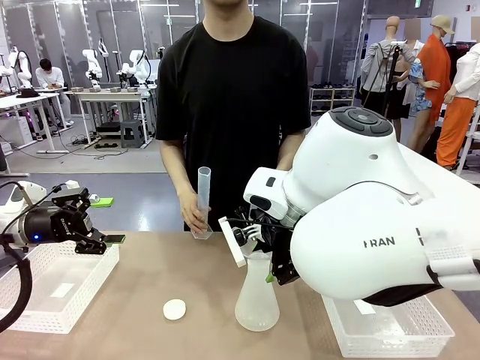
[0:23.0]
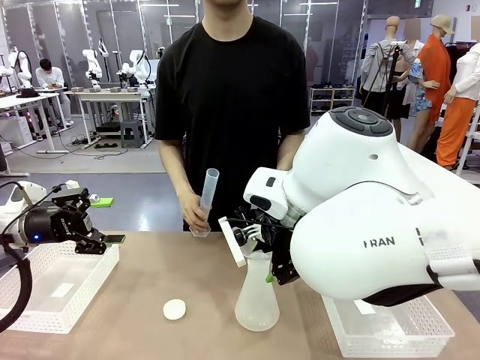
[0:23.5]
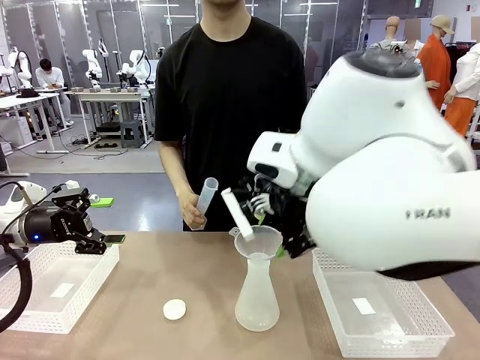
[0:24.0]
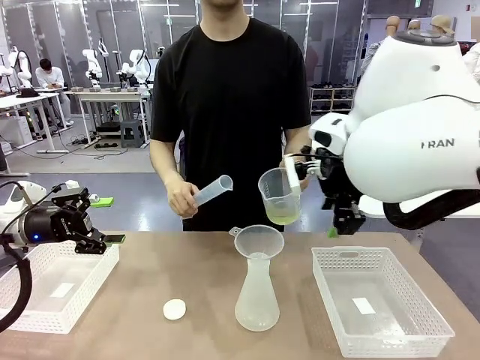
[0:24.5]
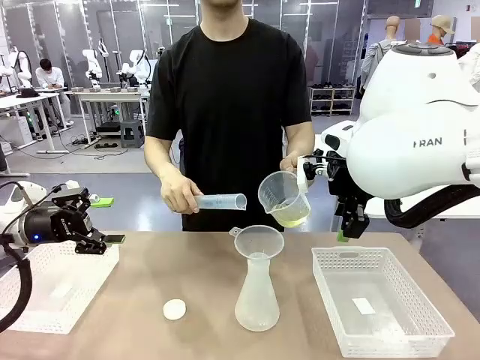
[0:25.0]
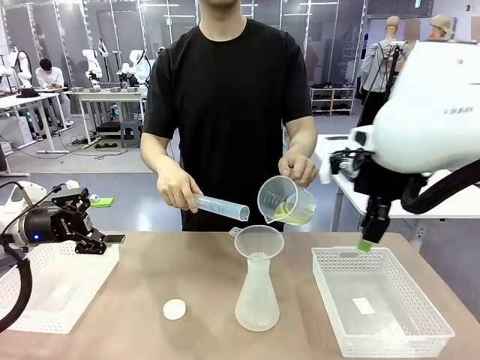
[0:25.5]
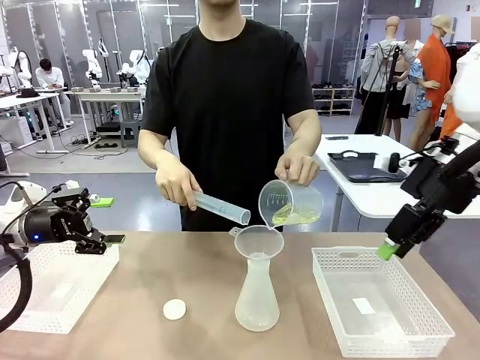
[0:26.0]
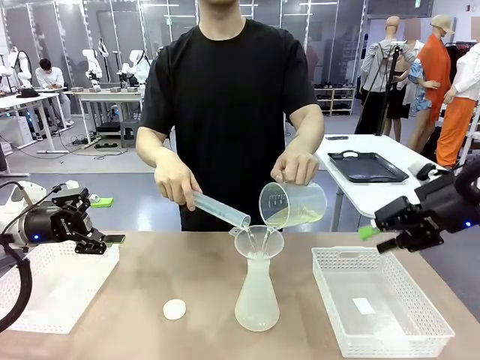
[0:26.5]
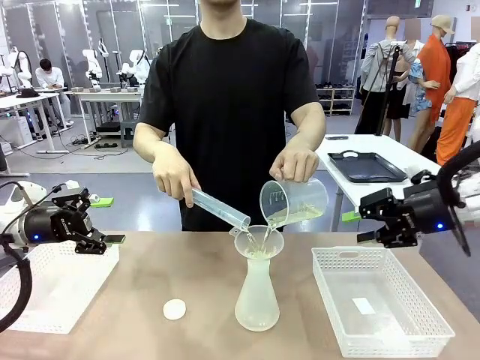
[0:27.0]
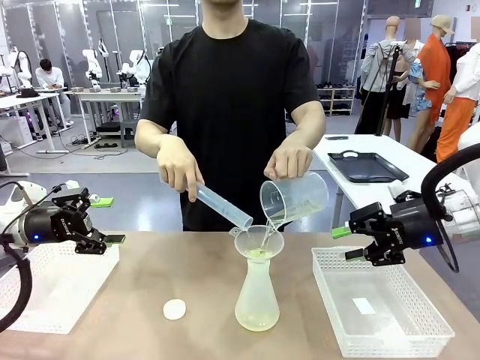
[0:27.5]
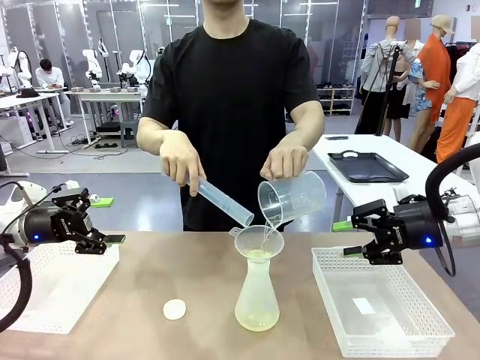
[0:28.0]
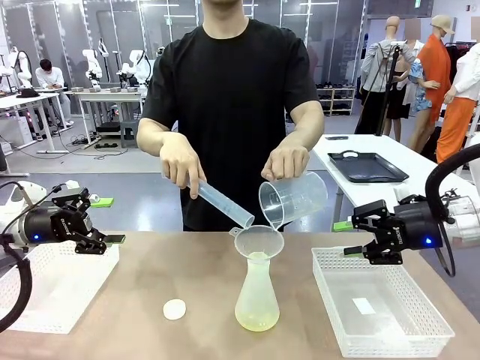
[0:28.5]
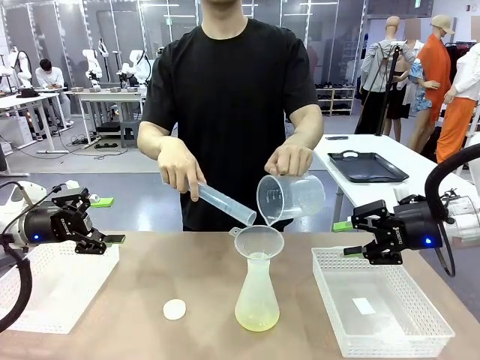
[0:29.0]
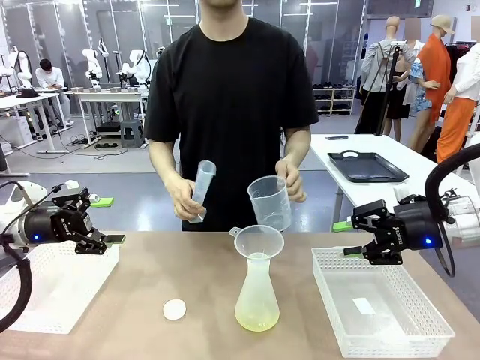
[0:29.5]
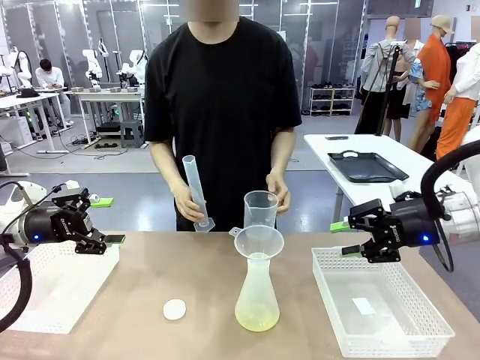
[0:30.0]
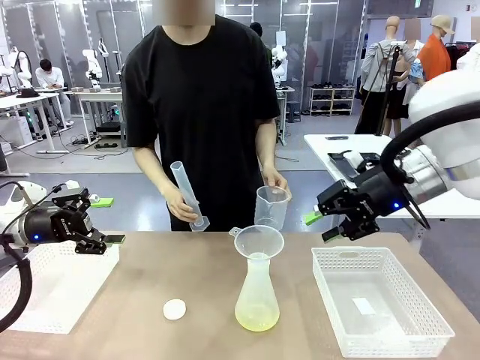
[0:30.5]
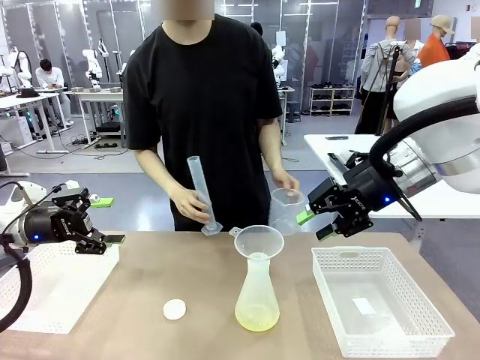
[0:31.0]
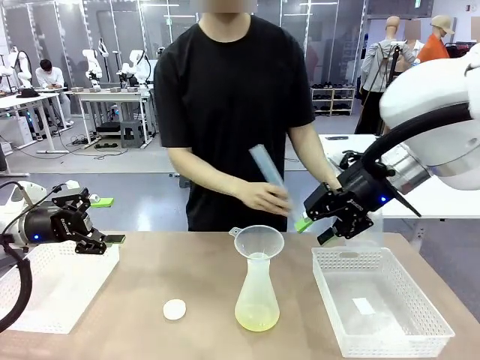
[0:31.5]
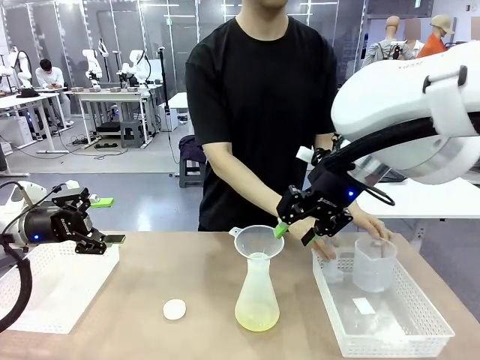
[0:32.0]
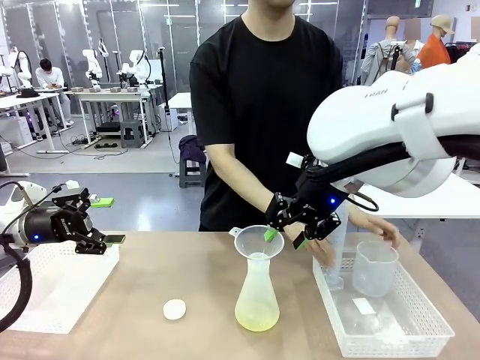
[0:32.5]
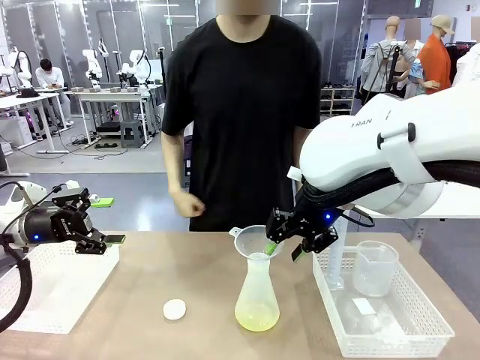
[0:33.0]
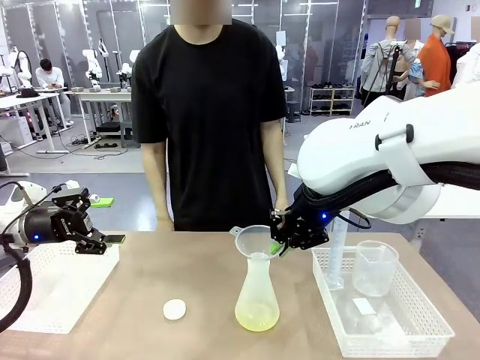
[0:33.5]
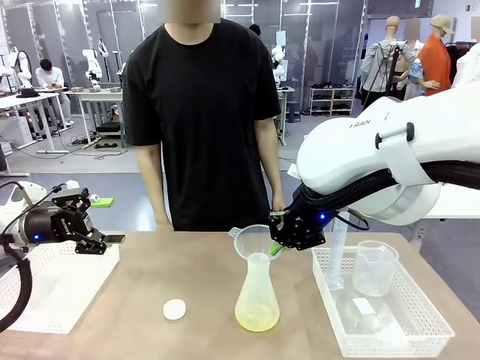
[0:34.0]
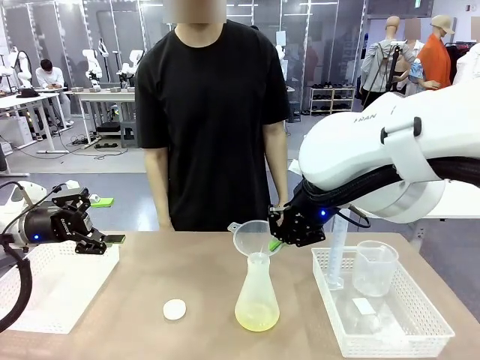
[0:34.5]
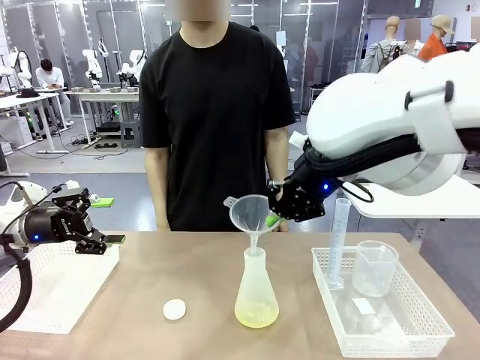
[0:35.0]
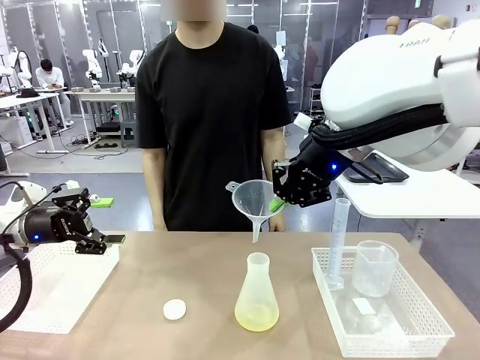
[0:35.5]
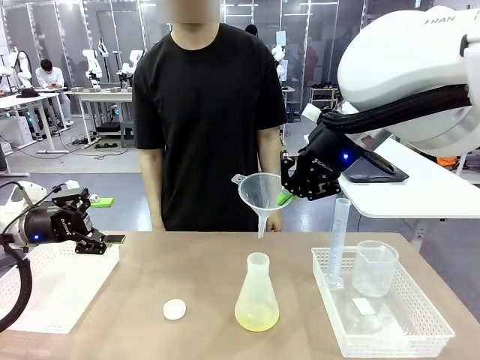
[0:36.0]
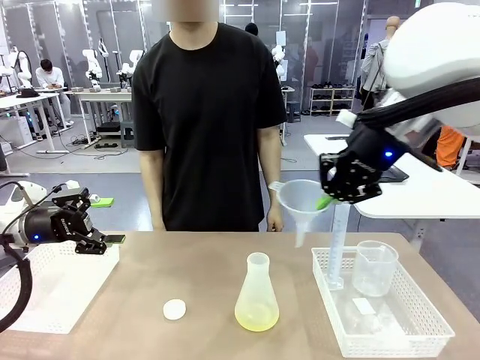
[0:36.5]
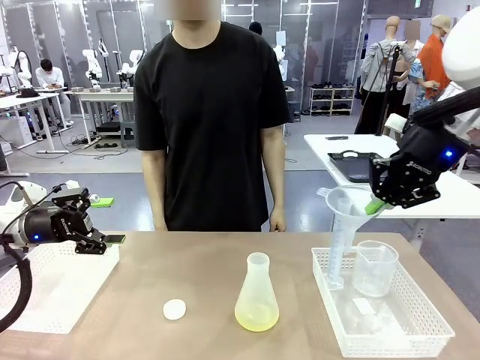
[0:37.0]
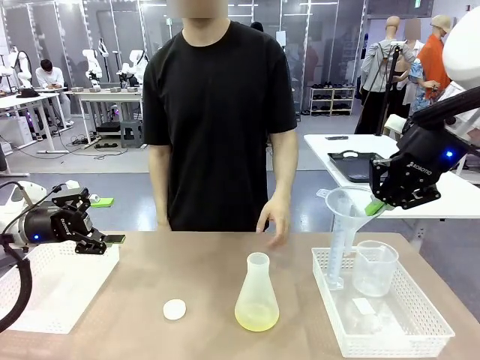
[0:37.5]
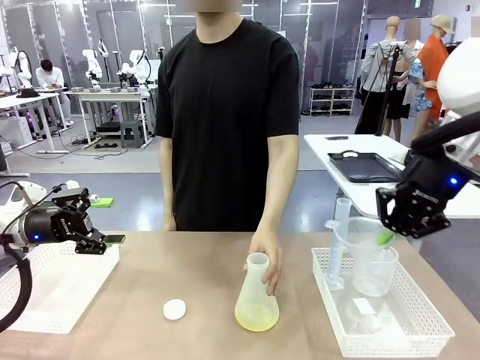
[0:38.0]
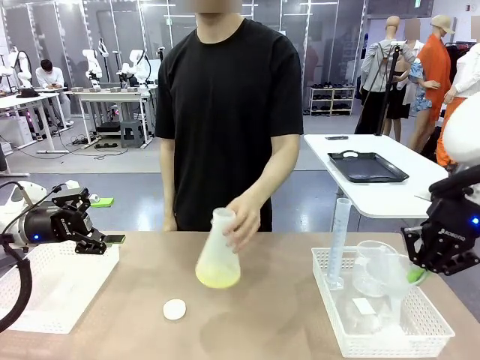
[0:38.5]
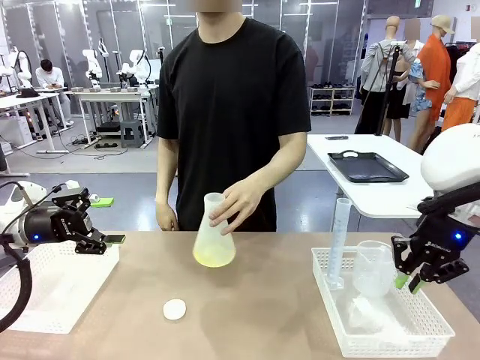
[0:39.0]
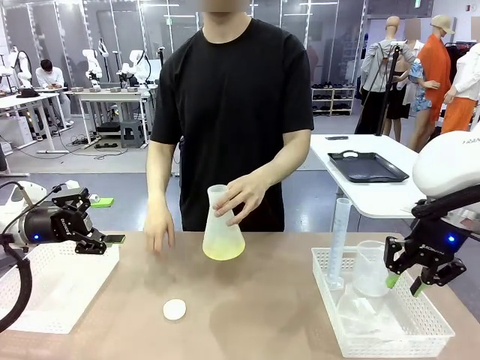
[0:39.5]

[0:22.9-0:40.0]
Task: Prepare the solutions needed for the experiment.
Robot: Once the solution is in the Big flask , pick up the Plastic Funnel and place it back into the right Organizing basket.
Person: Place the beaker and the cylinder into the organizing basket on the left side. Pick up the flask, gently shake it 2–3 times, place it in the middle of the robot table, and close the lid.
